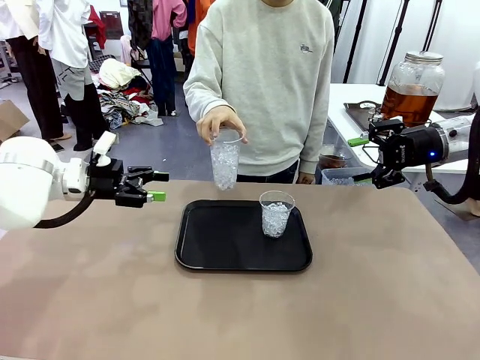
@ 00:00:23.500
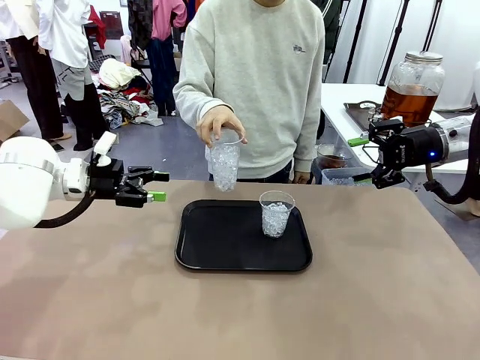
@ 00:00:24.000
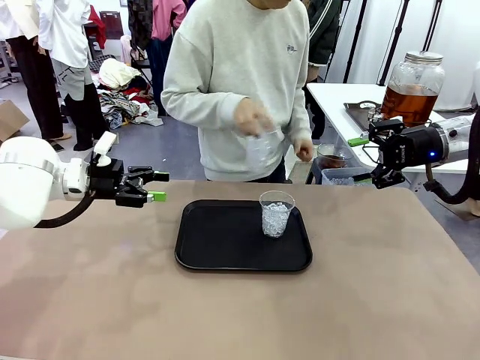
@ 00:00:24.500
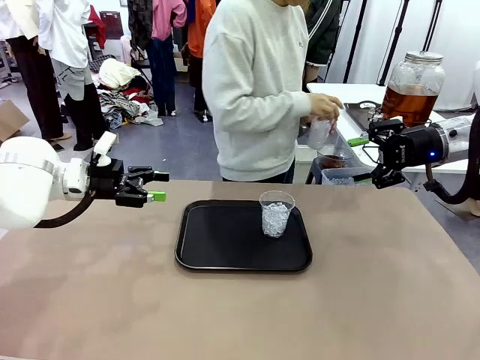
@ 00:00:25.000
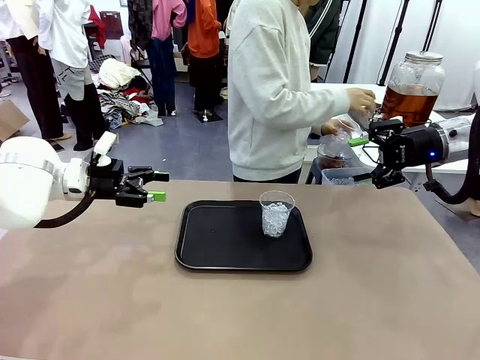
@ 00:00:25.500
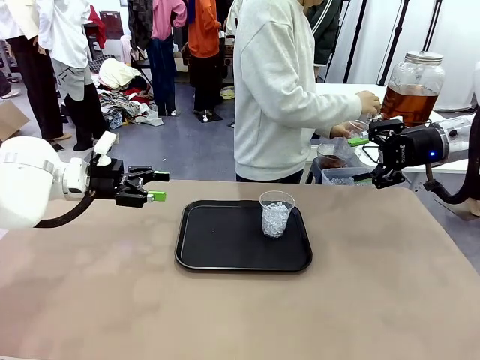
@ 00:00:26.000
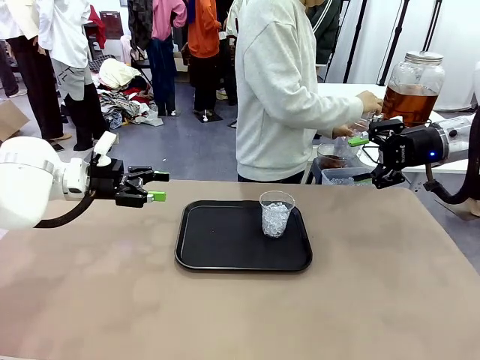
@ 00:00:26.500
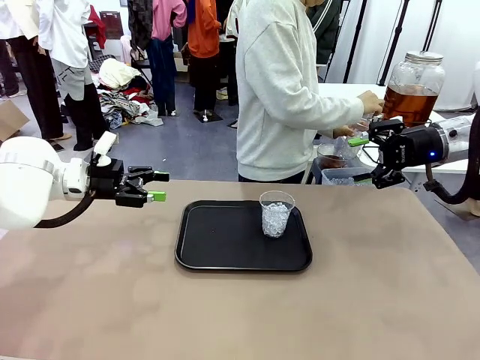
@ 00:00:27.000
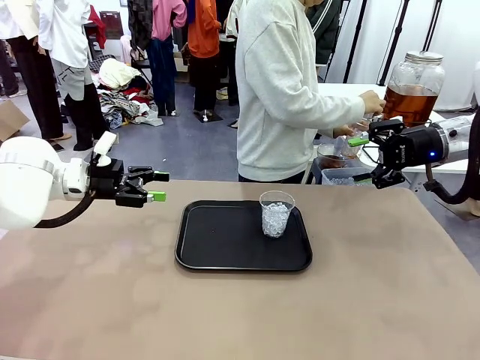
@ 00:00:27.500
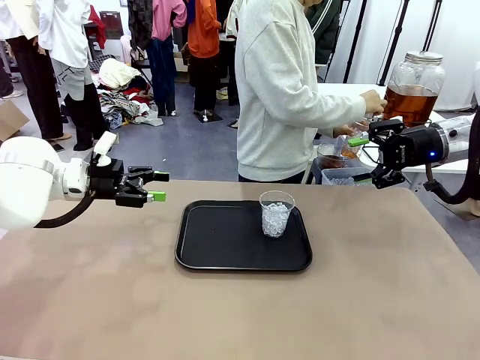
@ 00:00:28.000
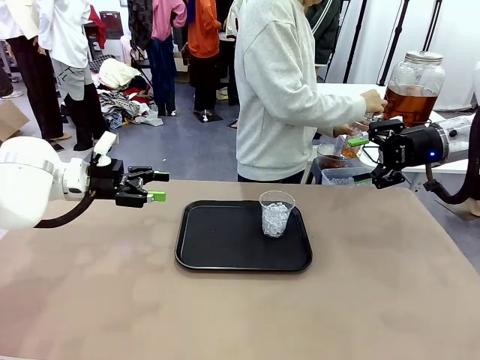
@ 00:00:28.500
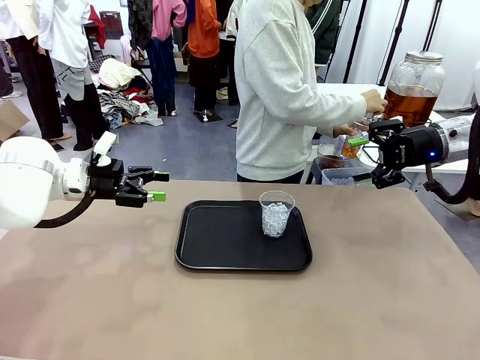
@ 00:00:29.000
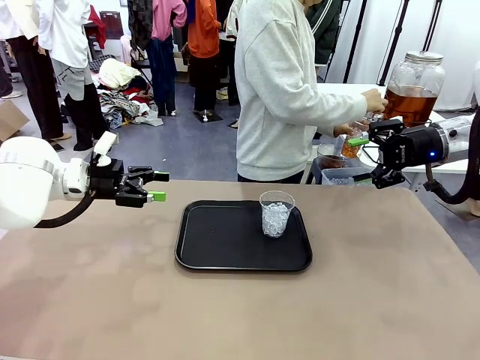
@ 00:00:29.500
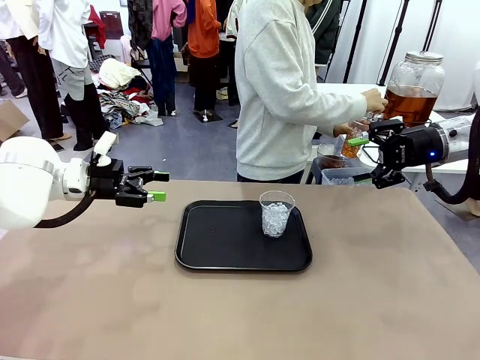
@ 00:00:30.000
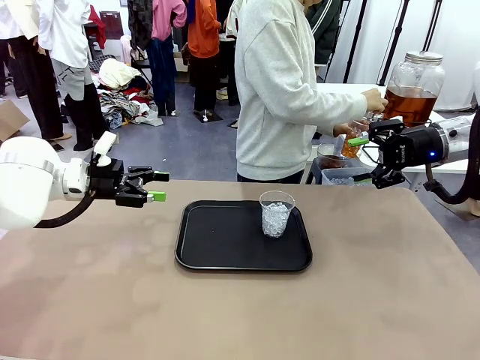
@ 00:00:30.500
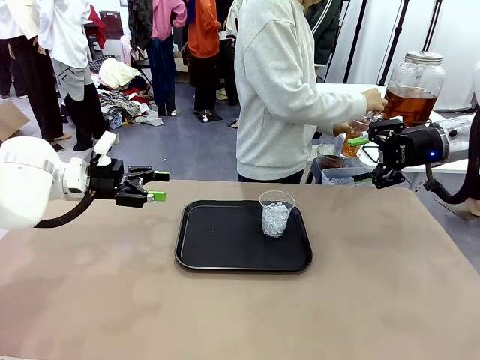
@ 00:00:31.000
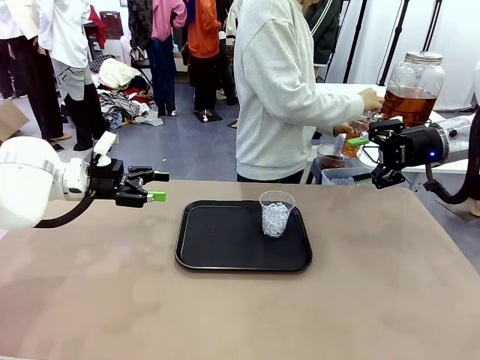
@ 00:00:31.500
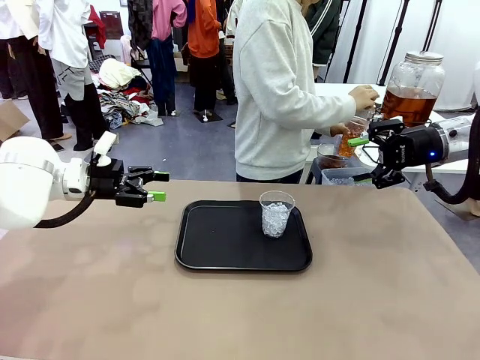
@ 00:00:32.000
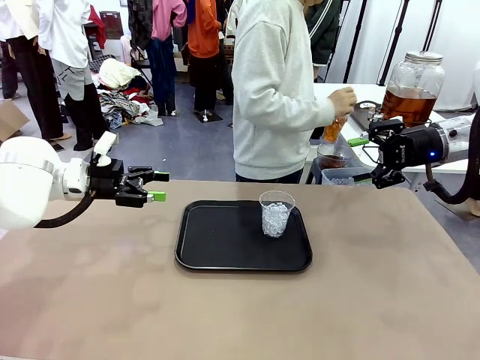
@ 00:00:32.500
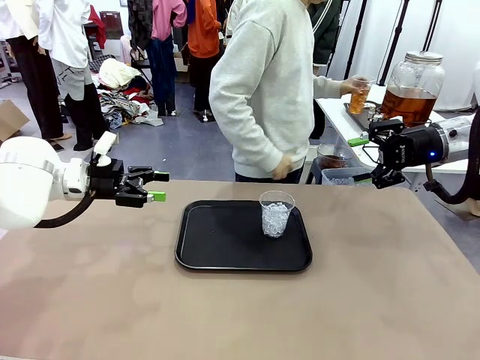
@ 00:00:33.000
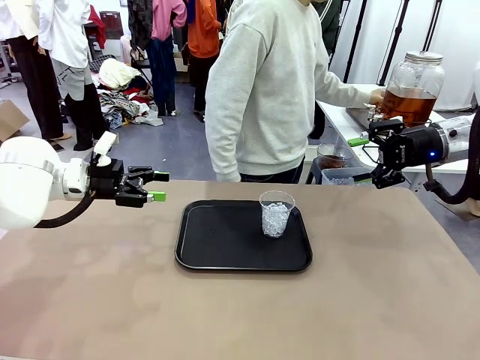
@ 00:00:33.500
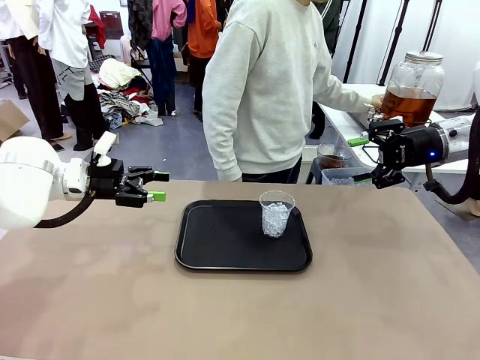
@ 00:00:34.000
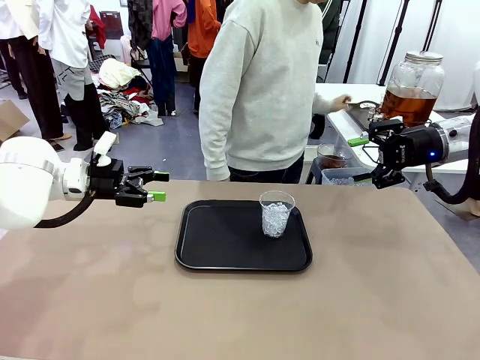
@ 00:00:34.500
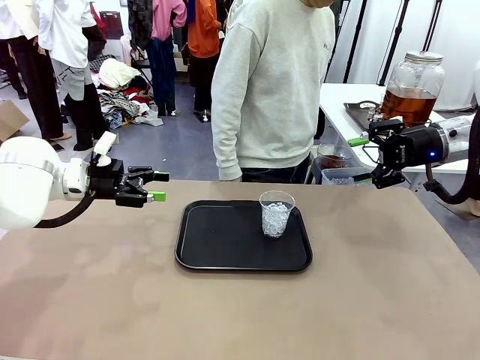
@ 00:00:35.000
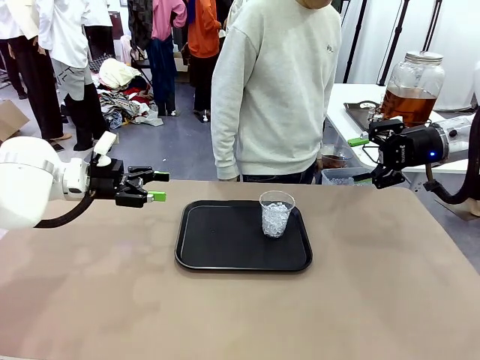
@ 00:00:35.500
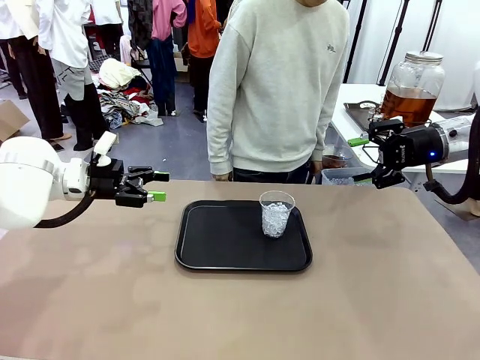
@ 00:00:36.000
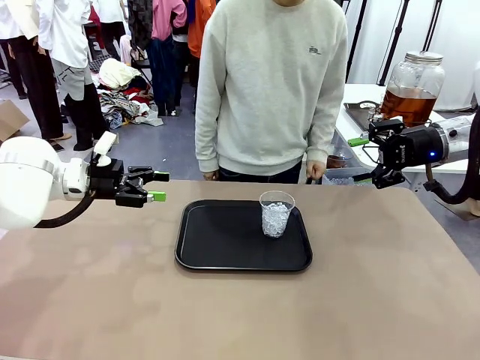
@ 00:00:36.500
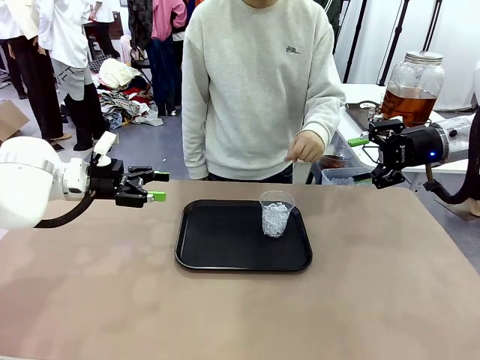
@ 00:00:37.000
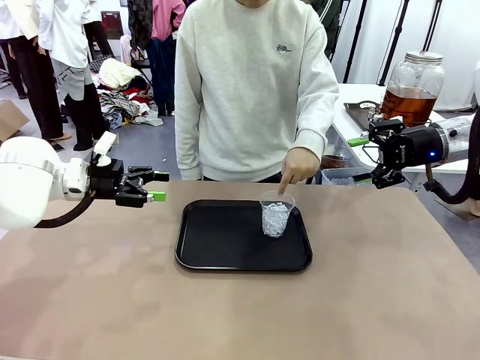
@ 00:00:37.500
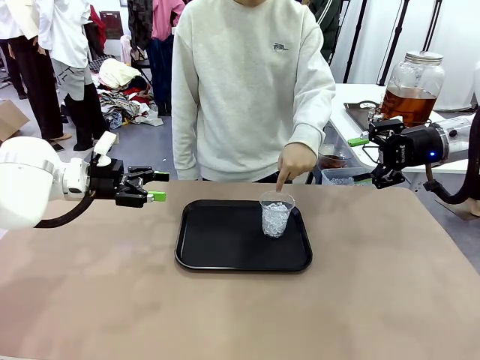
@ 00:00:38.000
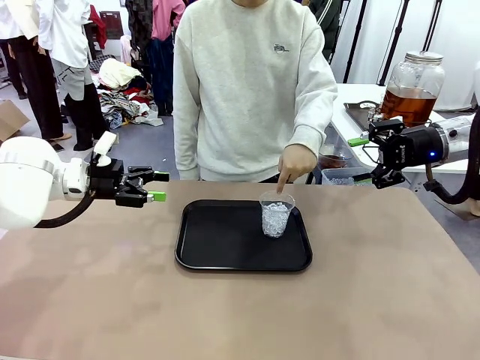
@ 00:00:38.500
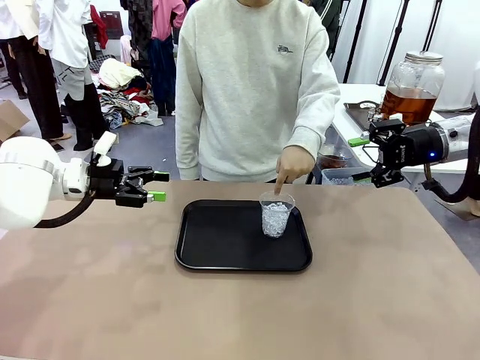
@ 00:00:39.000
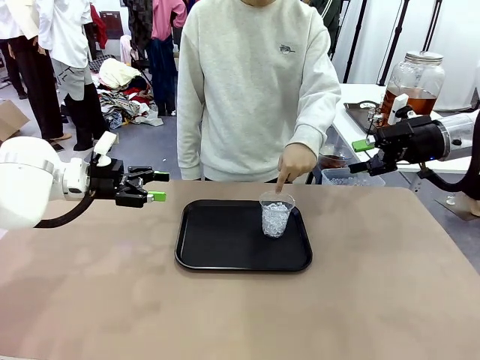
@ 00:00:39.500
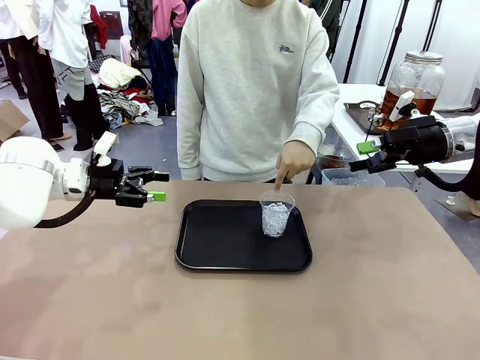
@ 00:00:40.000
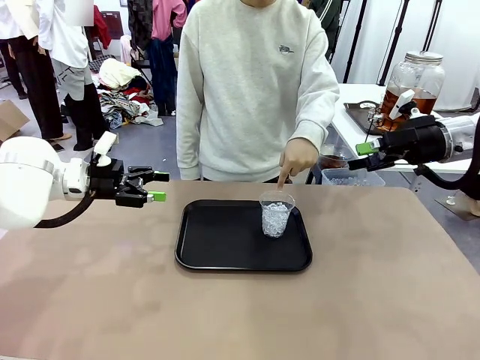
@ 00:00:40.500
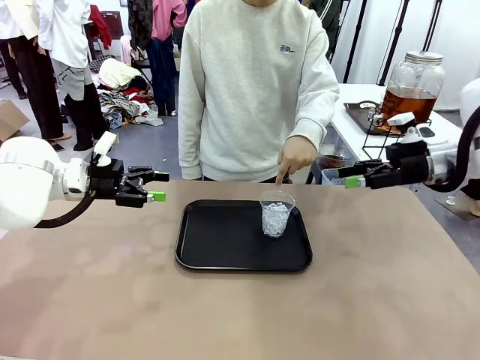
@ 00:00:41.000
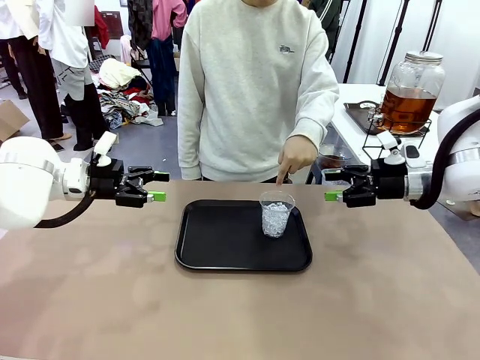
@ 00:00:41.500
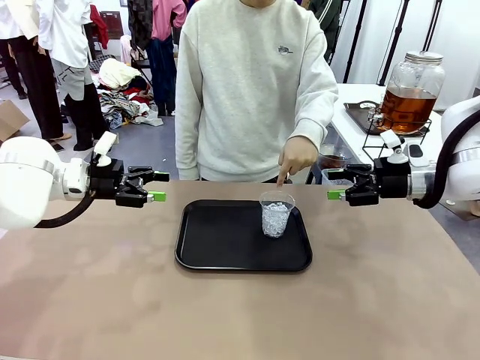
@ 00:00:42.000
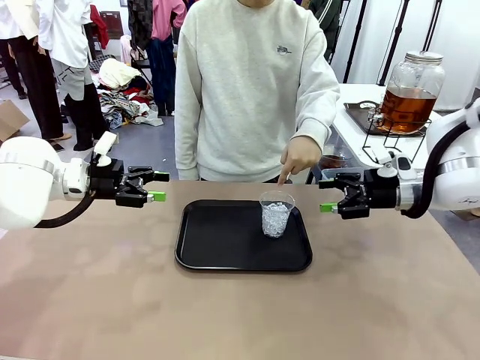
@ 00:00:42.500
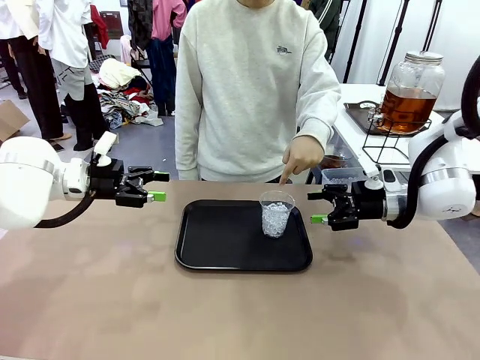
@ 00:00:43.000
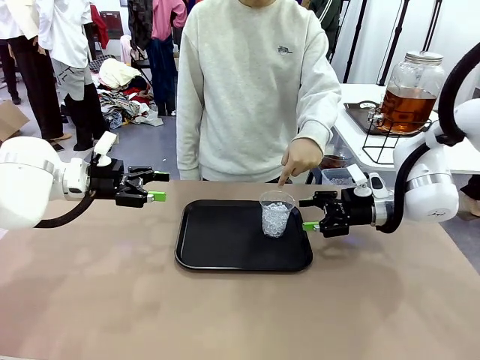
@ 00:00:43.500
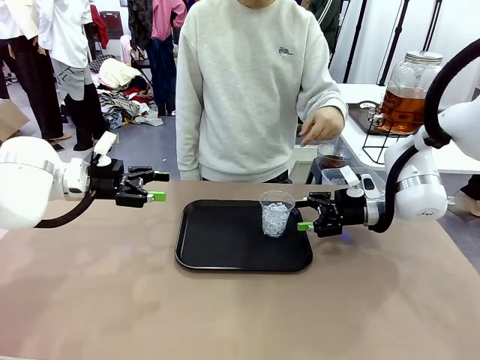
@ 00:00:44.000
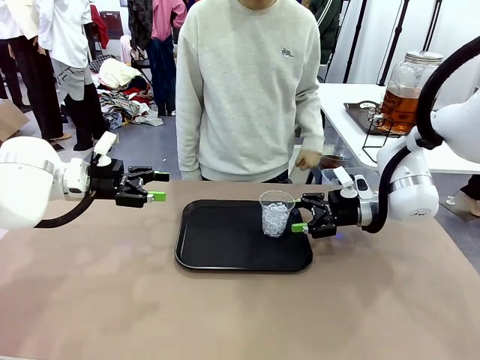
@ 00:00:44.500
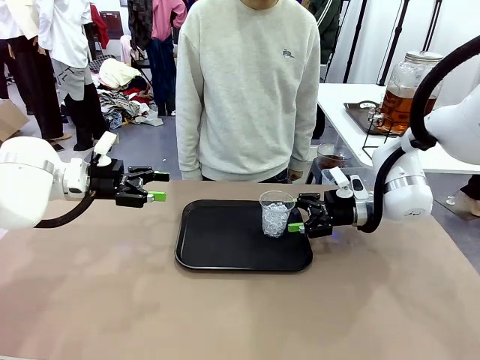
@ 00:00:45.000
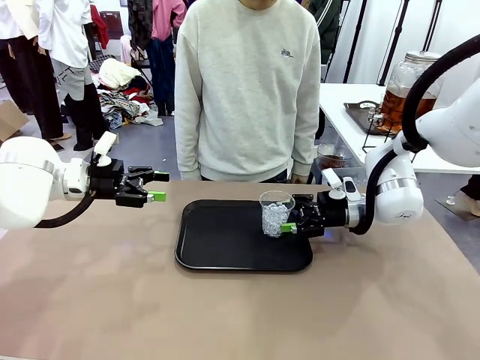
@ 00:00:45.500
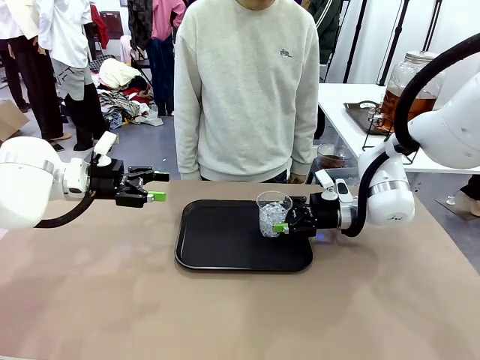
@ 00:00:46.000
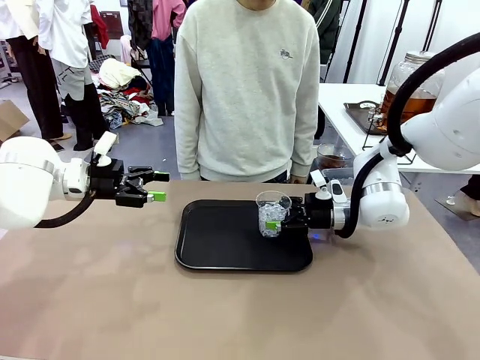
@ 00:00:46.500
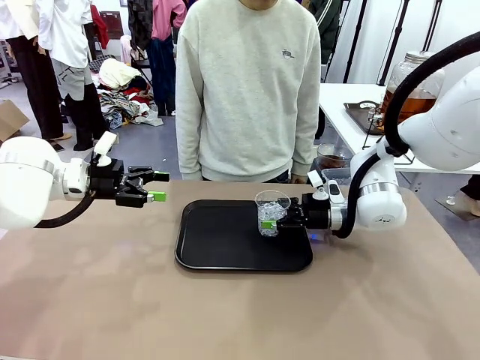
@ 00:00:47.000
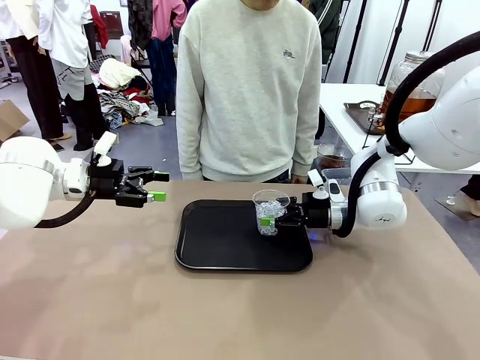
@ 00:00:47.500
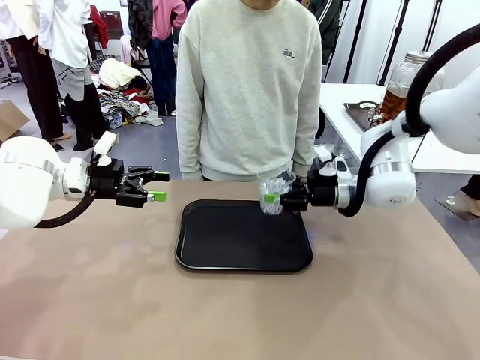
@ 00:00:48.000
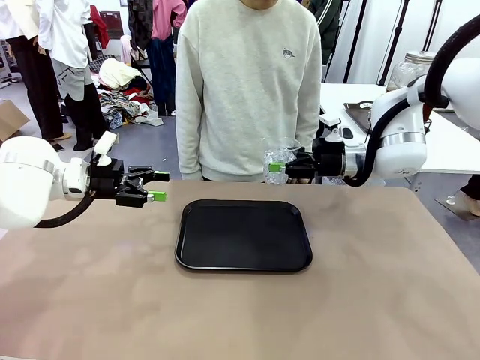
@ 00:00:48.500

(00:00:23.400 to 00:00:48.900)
Task: Pour the drink into the iced cup.
Robot: Pick up the iced cup indicated by the human and present it to them.
Person: Move the picked-up cup under the dispenser faucet, pour the drink, and place it on the tray on the human table. Point to the remaining ice cup on the robot table. Pick up the cup offered by the robot.
